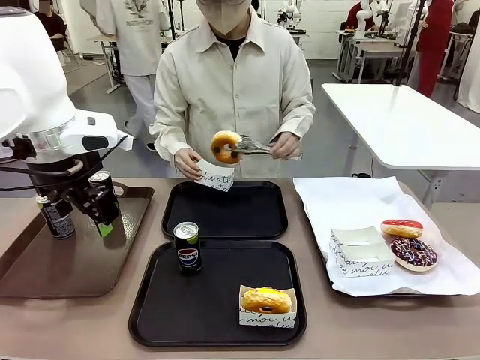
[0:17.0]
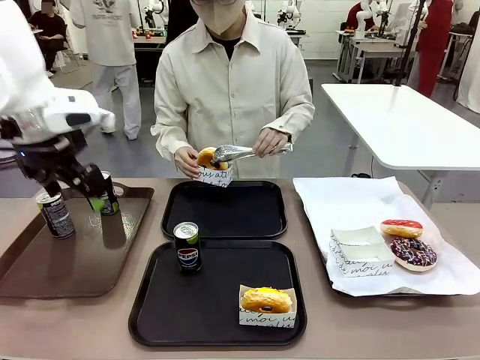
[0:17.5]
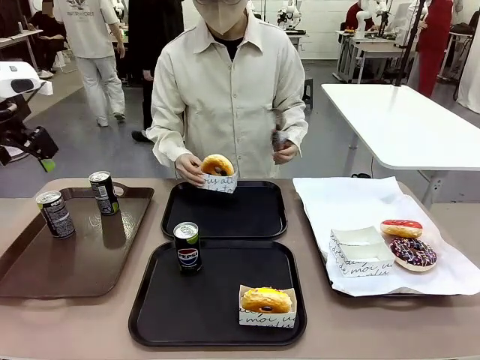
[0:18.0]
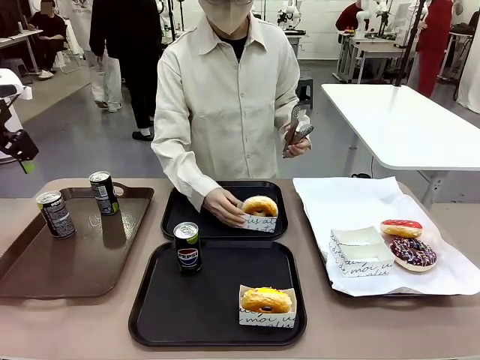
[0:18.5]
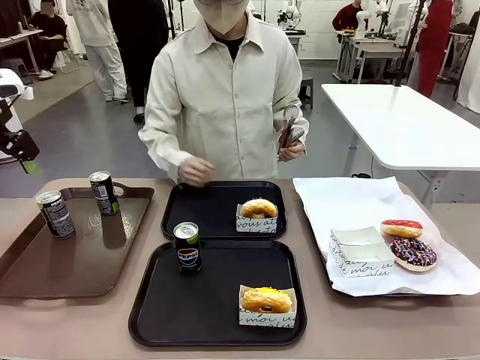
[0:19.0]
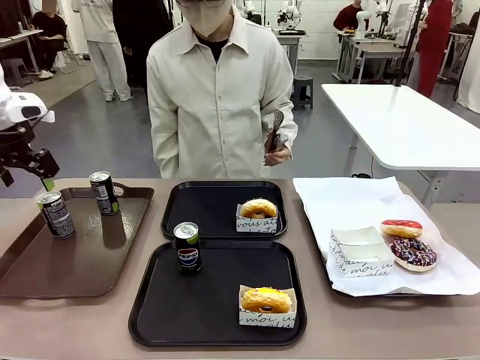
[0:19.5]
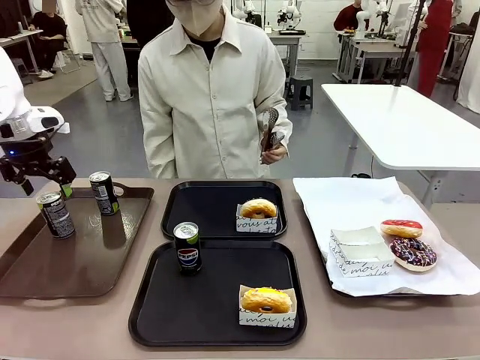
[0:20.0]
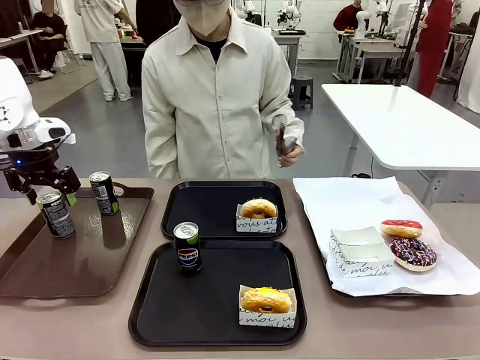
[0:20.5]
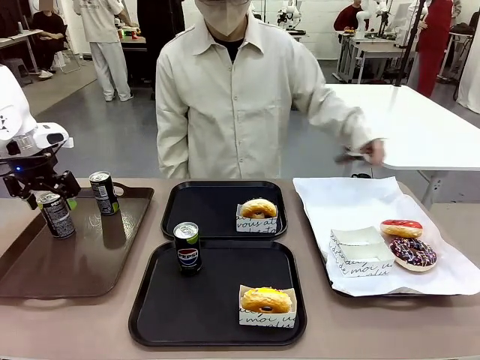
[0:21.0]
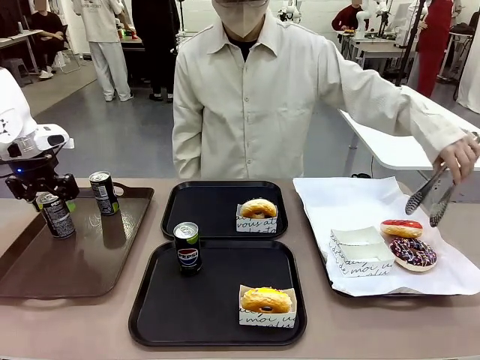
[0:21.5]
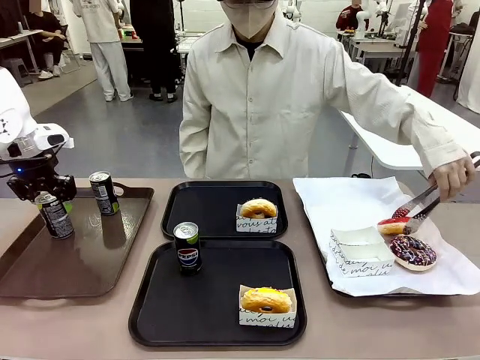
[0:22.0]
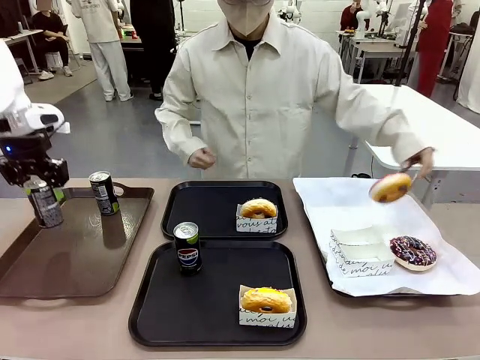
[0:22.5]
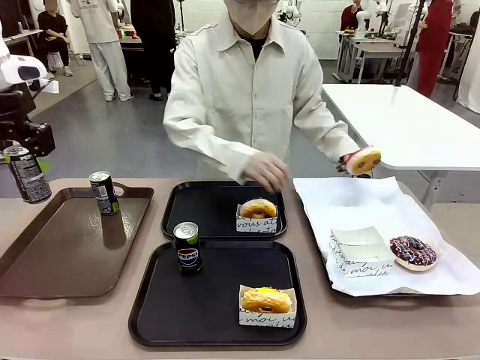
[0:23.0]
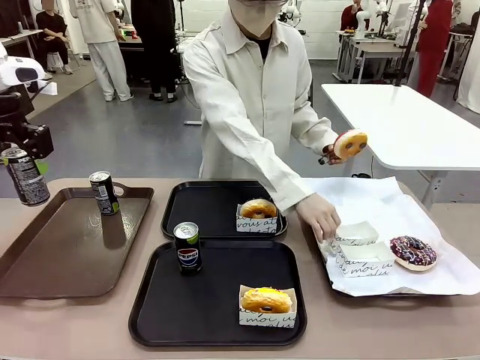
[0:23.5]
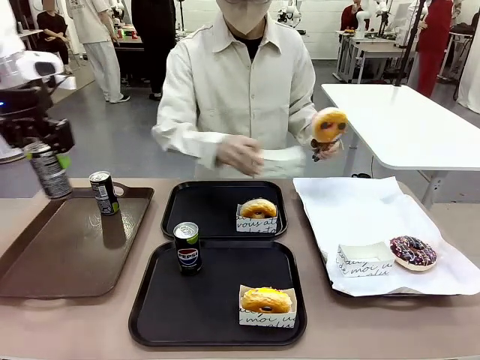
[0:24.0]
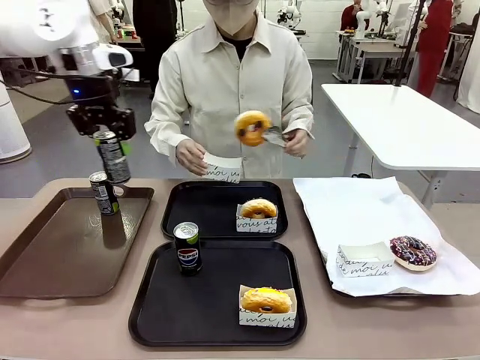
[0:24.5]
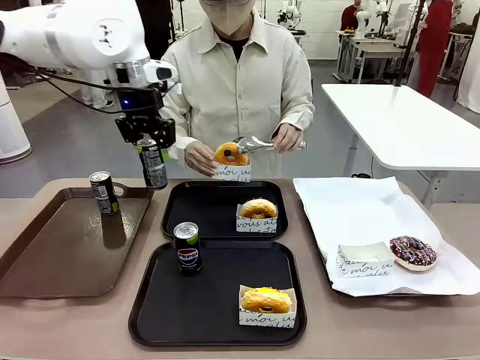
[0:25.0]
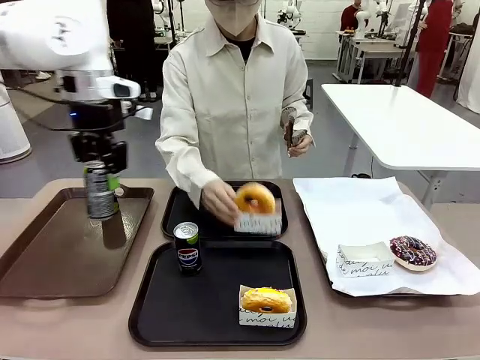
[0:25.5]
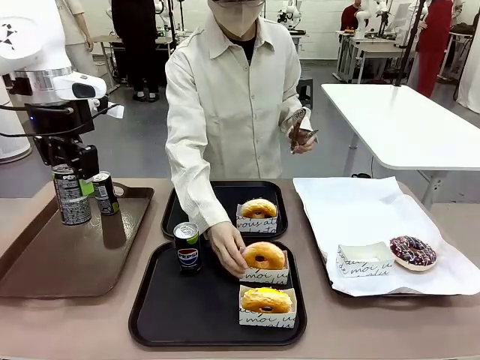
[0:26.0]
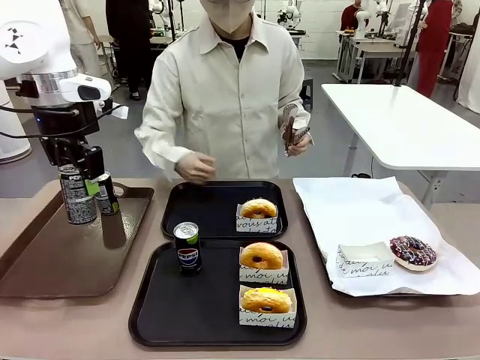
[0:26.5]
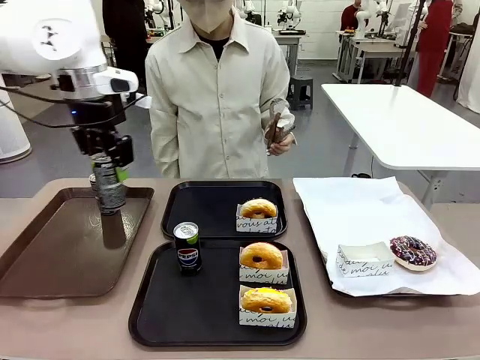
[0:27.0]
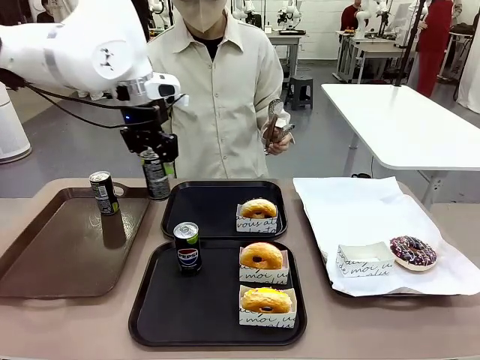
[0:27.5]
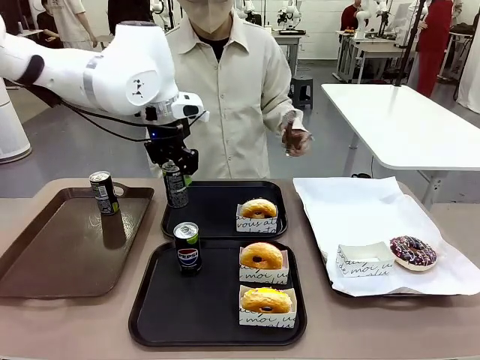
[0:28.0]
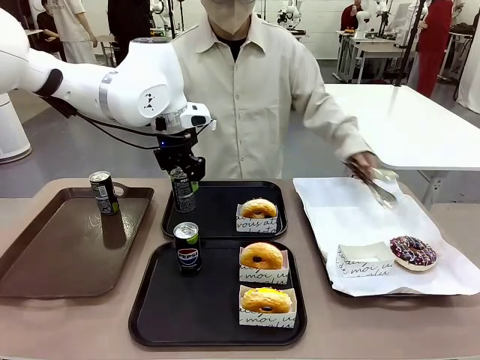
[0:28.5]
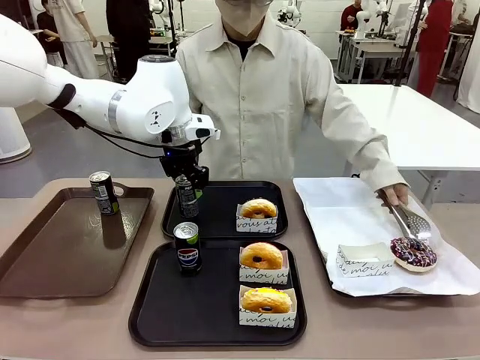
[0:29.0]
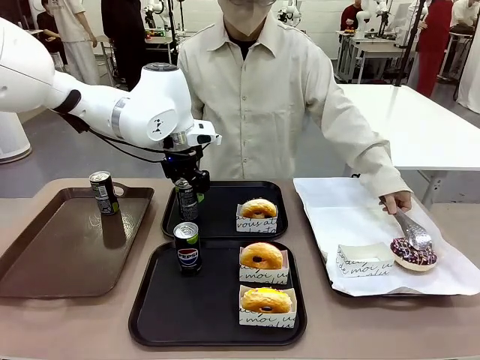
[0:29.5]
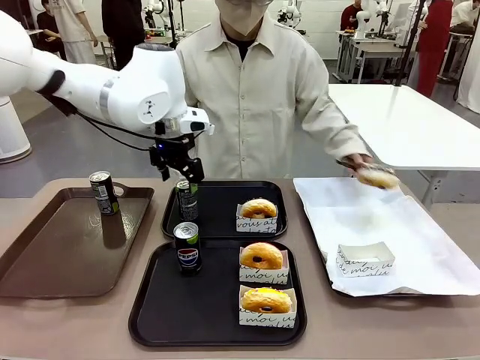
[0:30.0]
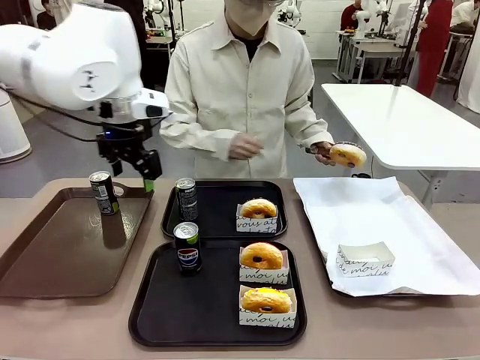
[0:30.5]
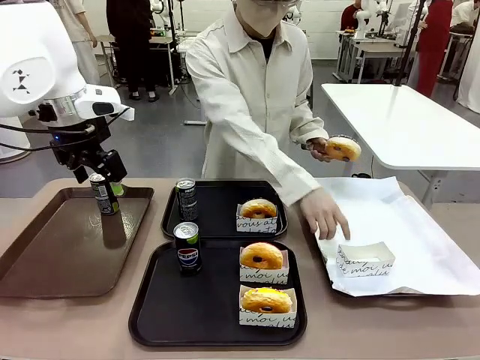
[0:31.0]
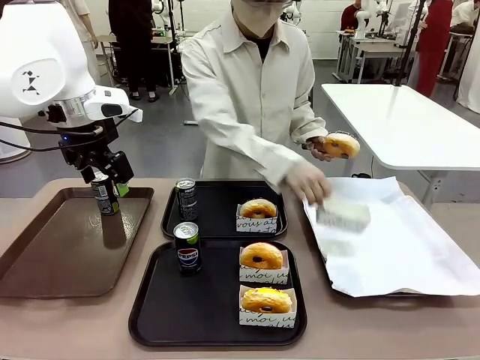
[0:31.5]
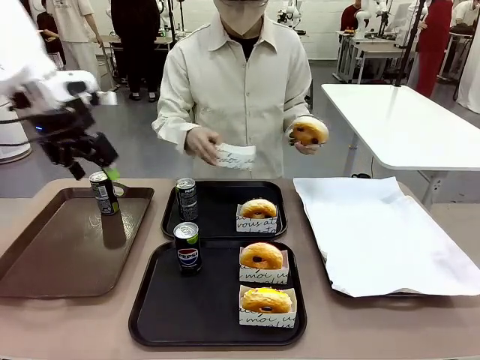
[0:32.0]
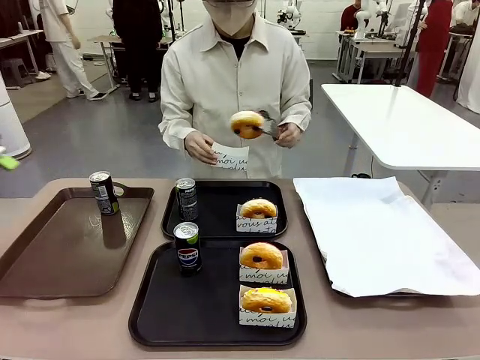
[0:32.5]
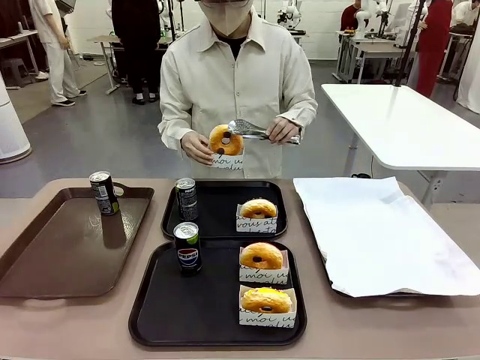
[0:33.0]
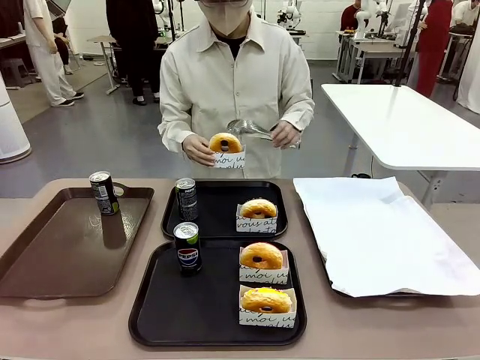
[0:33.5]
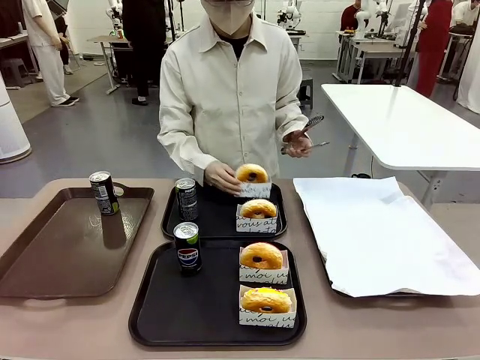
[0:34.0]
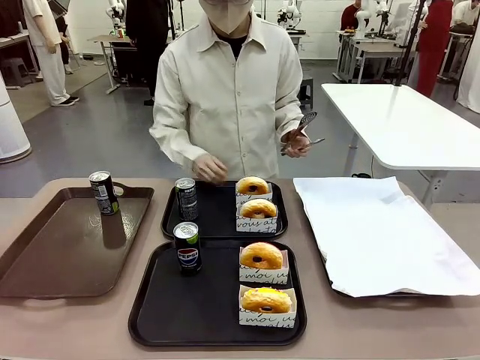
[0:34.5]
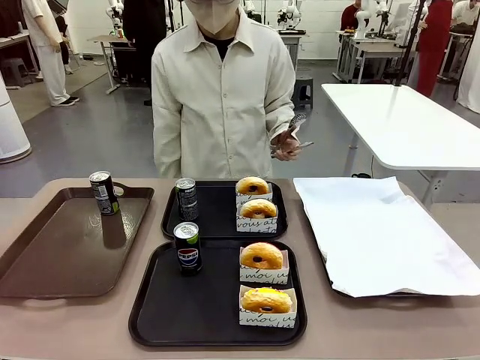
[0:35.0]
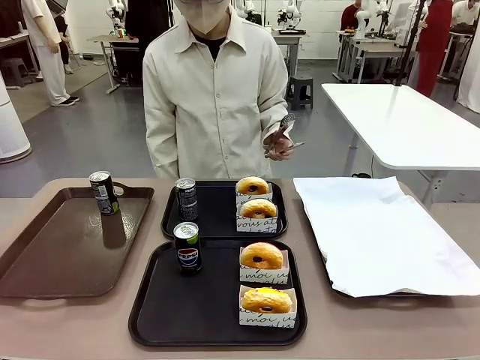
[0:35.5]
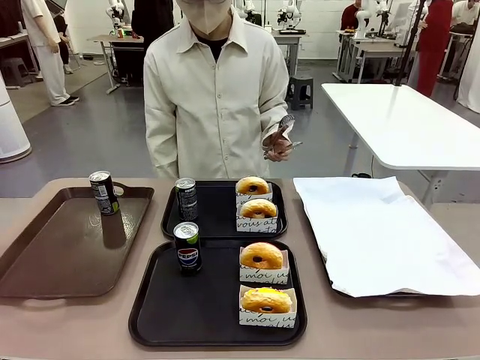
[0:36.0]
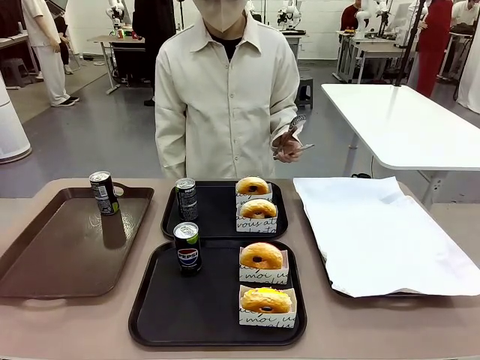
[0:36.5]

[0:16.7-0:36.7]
Task: Set up donuts and drinks on trays.
Robot: Pick up one Pepsi coke from the Handle tray and place it on the Flat Tray without a Pepsi coke.
Person: Pick up one donut with tongs, place it in the donut tray, and then place the donut tray on the flat tray.
